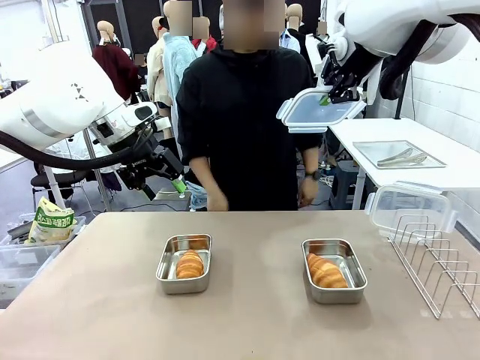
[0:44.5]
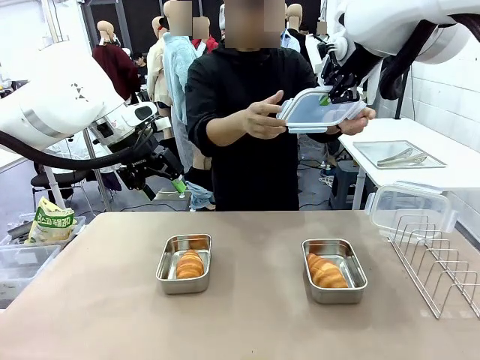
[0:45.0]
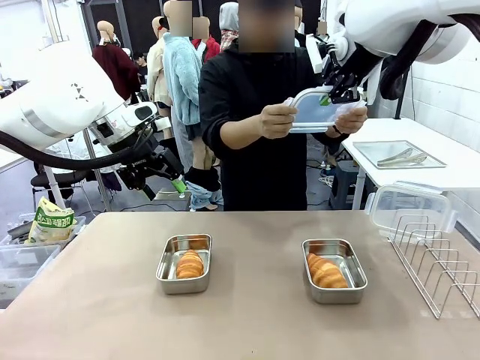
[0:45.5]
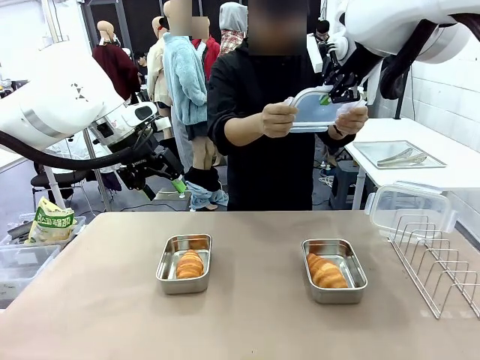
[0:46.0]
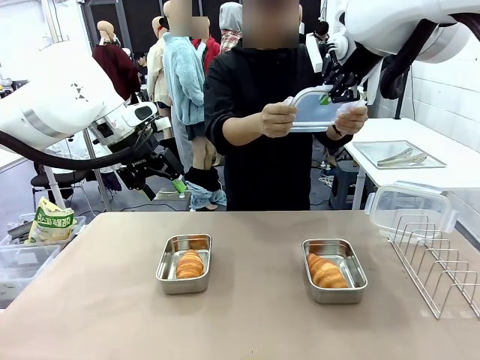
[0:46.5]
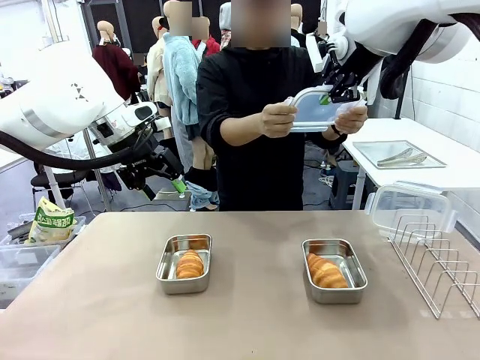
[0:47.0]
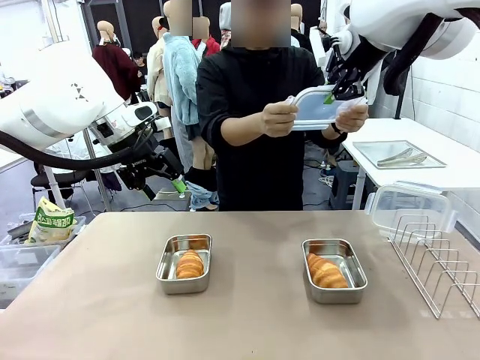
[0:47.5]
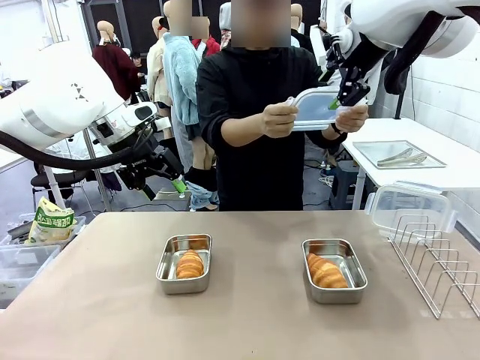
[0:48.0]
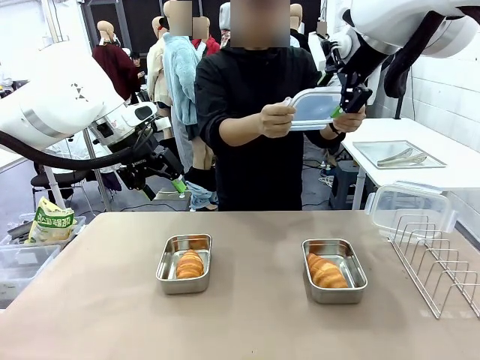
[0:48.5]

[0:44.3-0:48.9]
Task: Place the bread in airtight containers.
Robot: Release when the human grabs the Airtight Container lid.

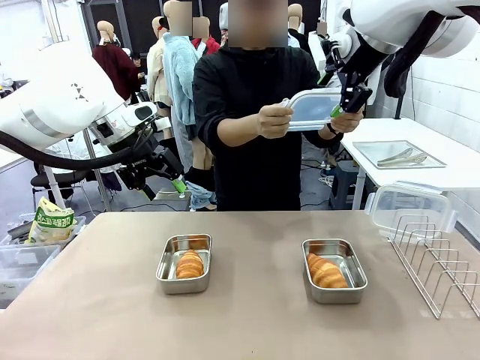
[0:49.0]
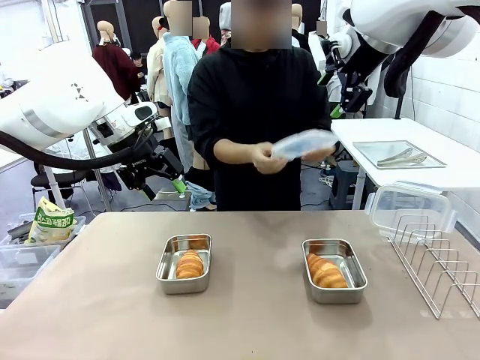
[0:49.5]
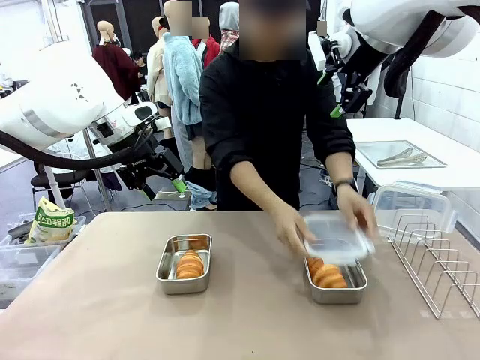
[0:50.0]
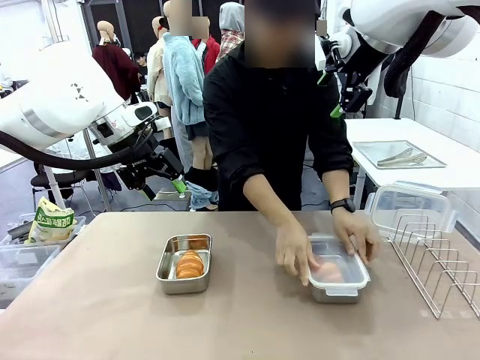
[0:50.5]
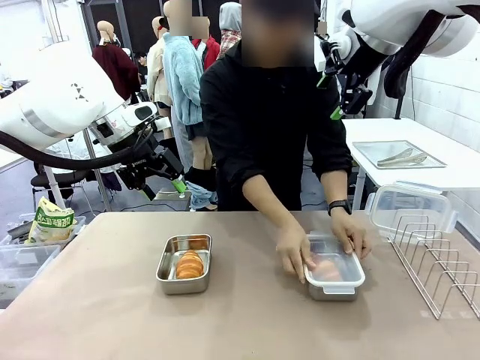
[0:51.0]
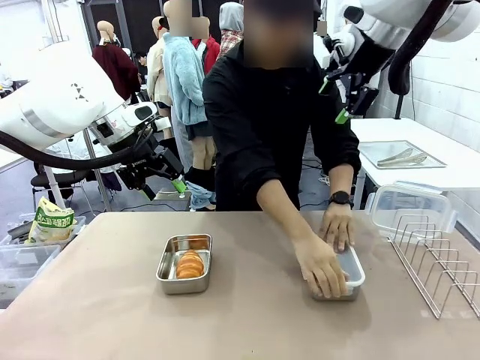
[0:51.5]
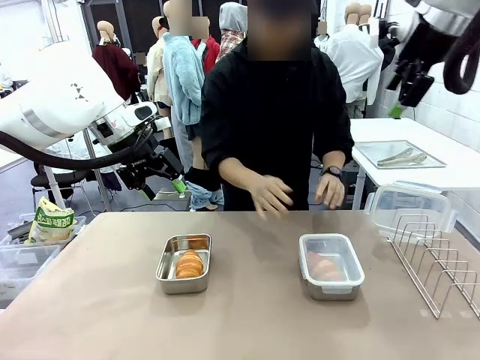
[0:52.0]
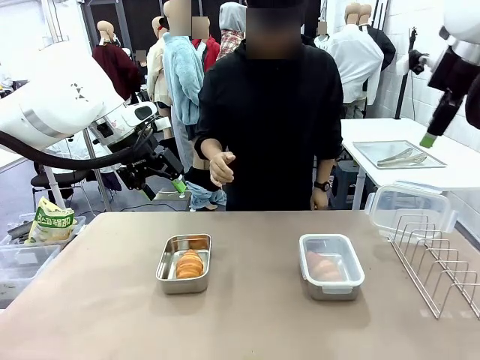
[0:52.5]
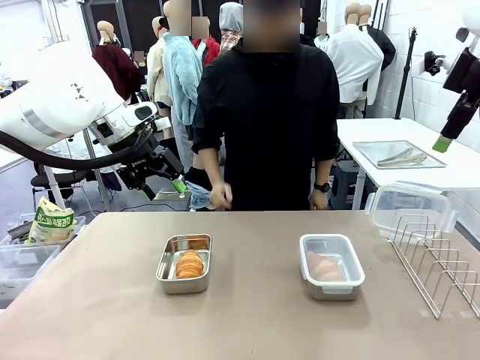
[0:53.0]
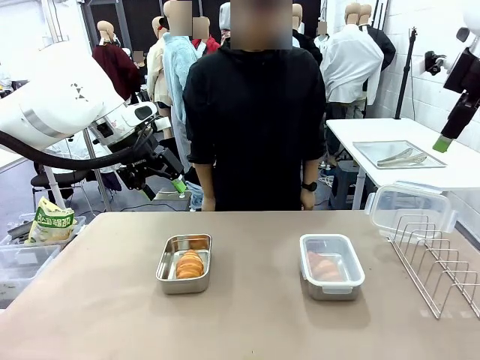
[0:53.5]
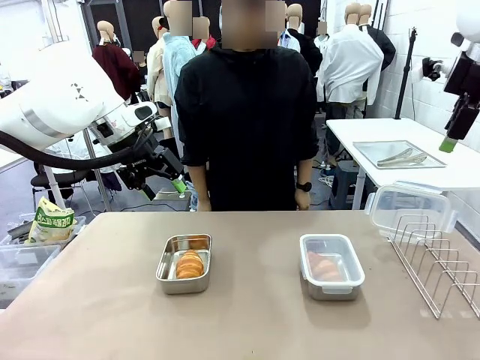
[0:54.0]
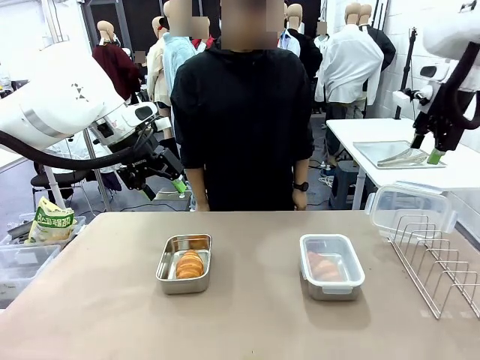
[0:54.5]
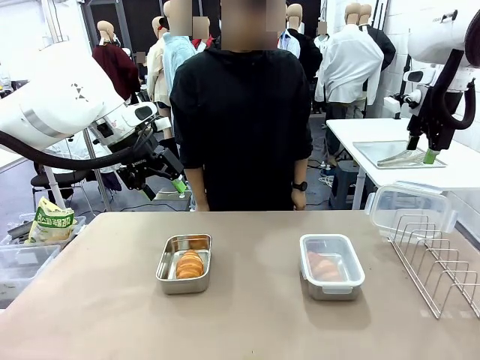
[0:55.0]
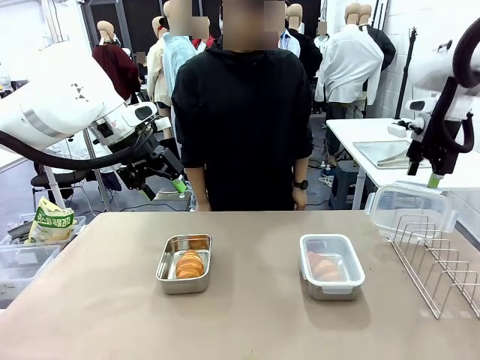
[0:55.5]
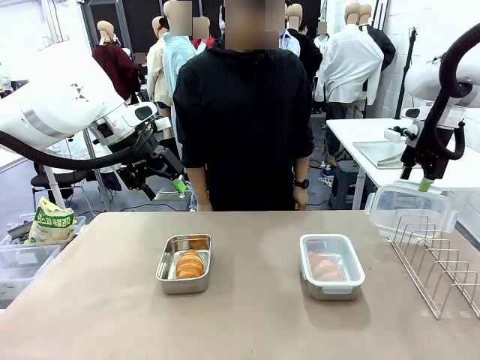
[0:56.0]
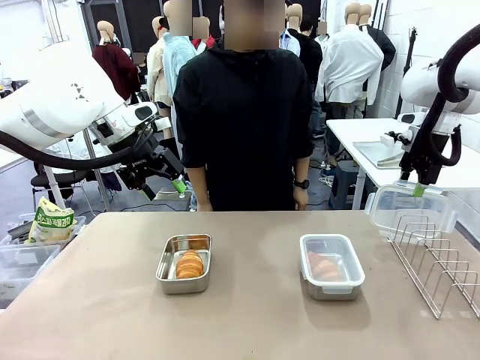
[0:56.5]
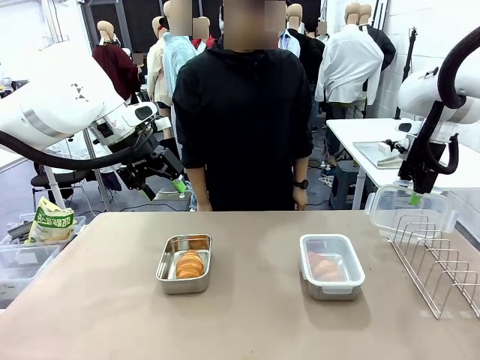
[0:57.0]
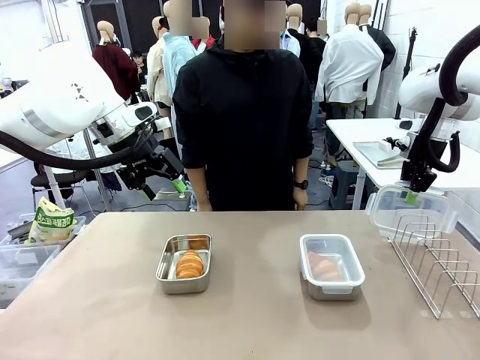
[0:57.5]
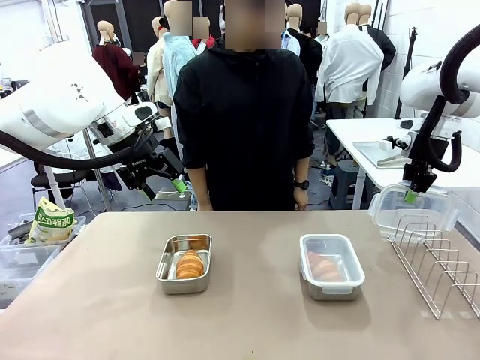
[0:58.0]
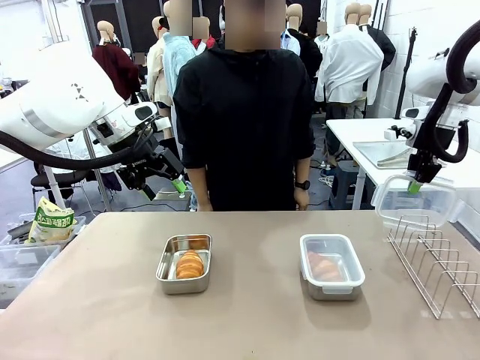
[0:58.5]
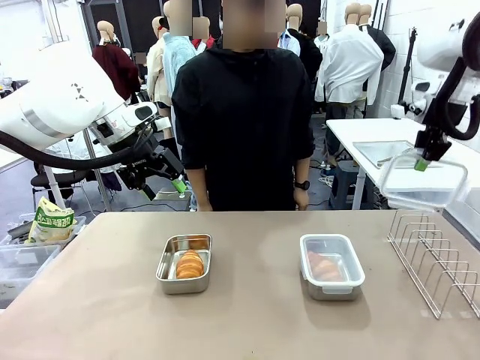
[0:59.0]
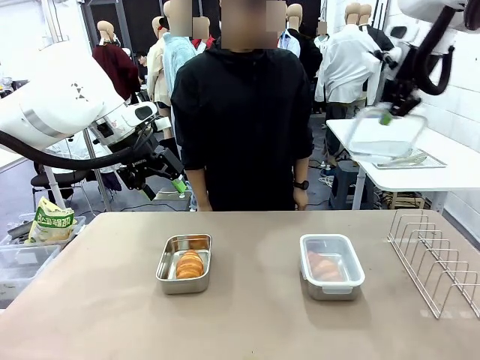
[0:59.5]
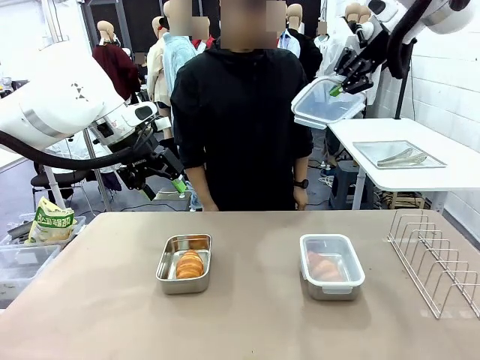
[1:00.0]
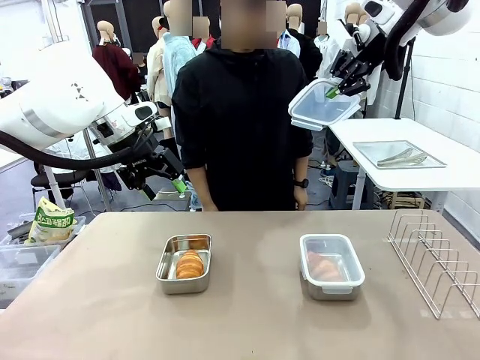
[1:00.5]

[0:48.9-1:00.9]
Robot: Pick up one Airtight Container lid and hand it to the human.
Person: Close Airtight Container with a handed Airtight Container lid. Grip Airtight Container lid that robot is handing.

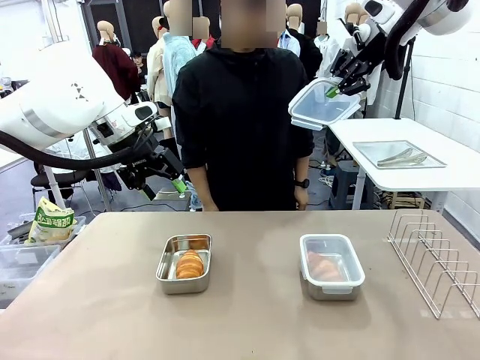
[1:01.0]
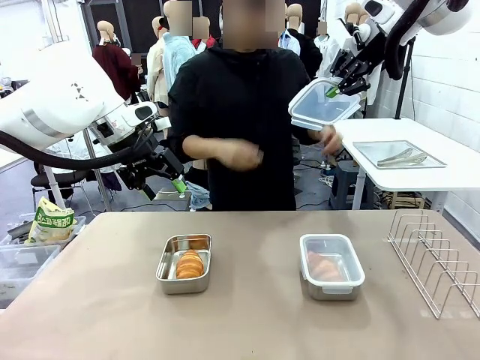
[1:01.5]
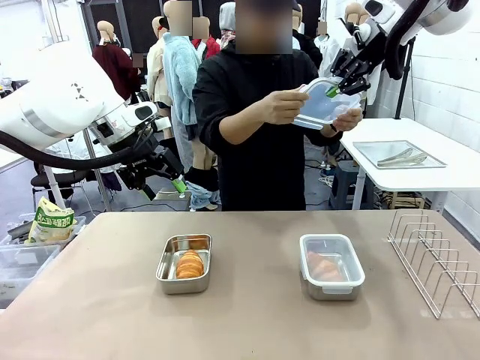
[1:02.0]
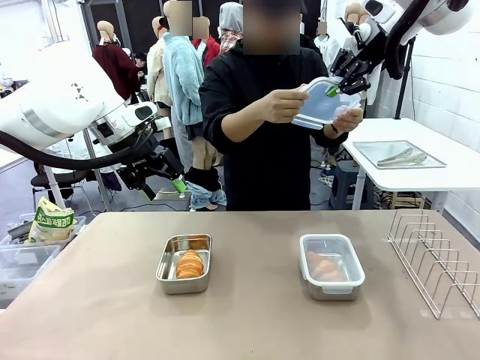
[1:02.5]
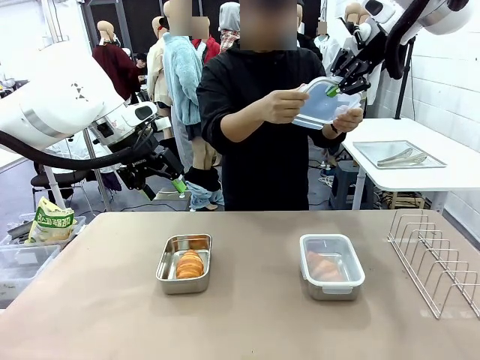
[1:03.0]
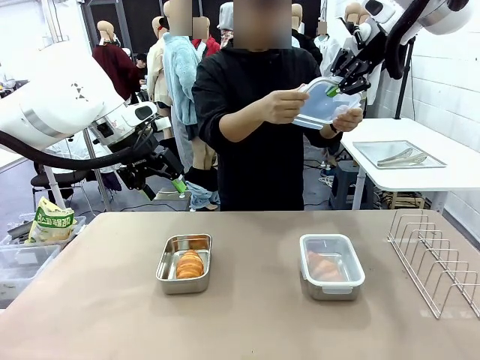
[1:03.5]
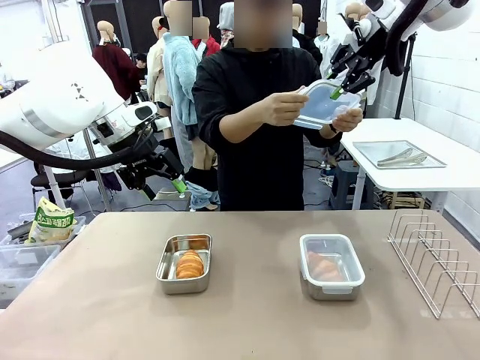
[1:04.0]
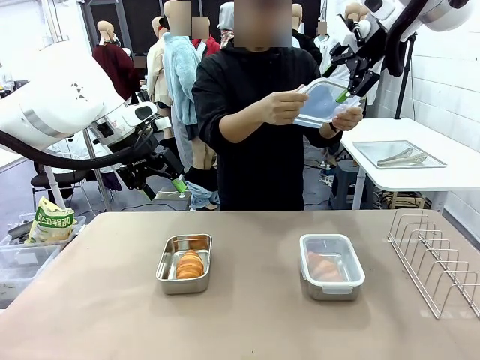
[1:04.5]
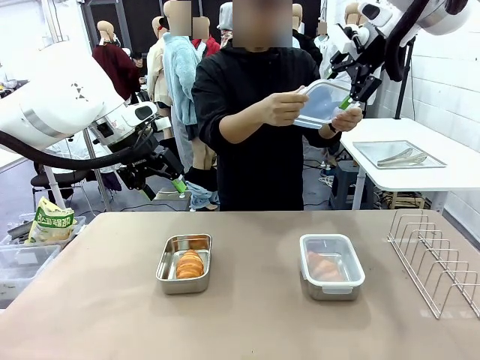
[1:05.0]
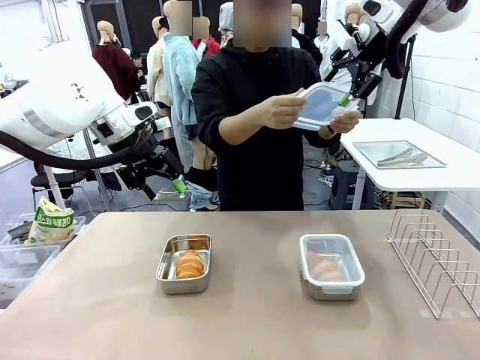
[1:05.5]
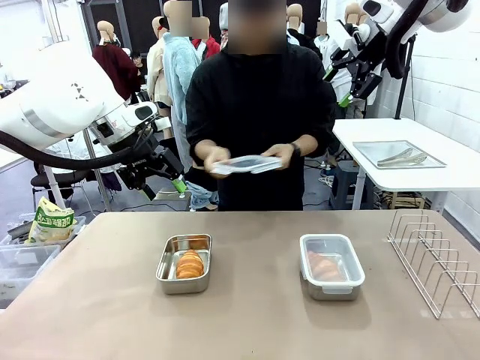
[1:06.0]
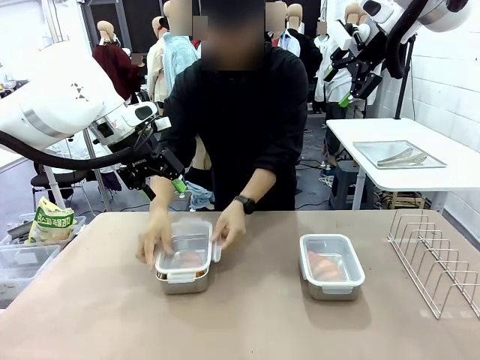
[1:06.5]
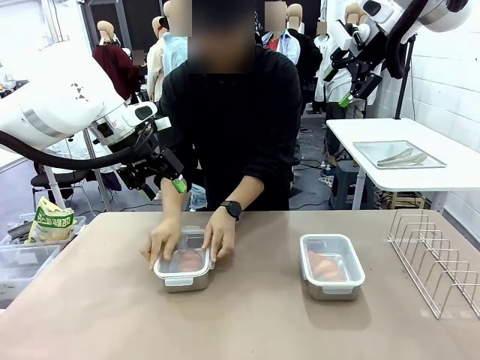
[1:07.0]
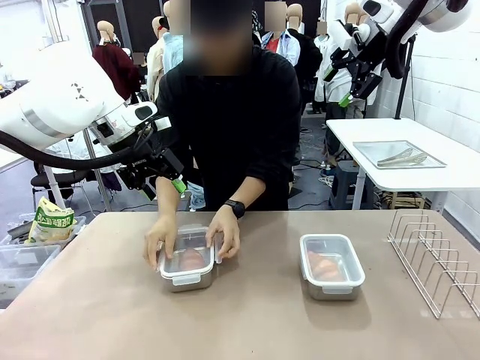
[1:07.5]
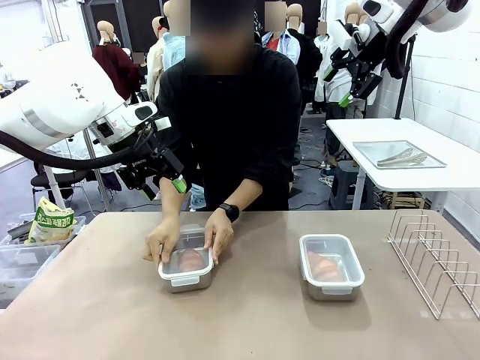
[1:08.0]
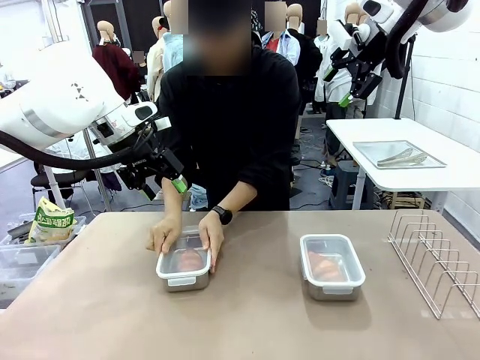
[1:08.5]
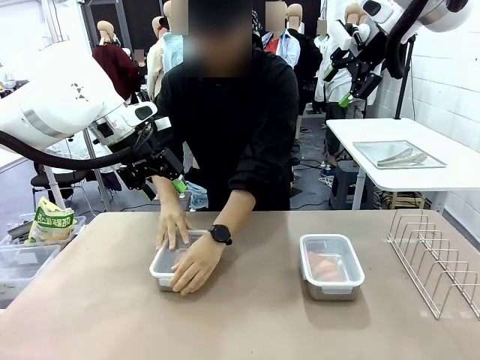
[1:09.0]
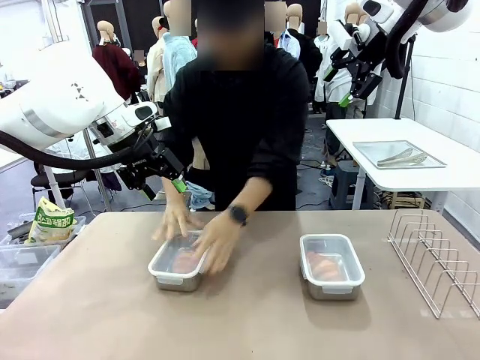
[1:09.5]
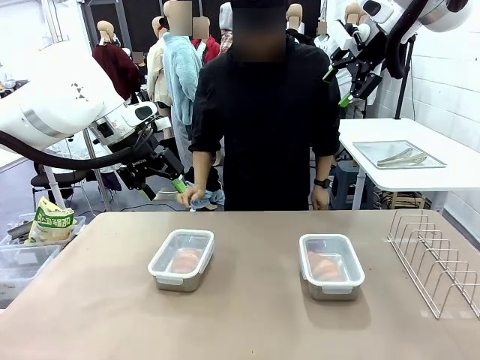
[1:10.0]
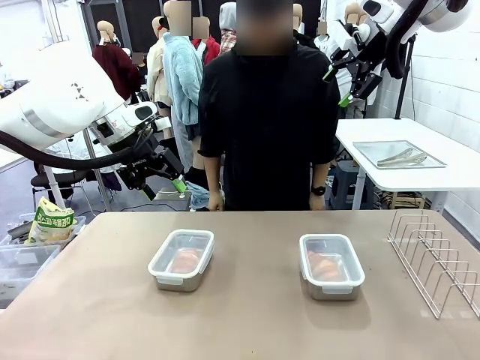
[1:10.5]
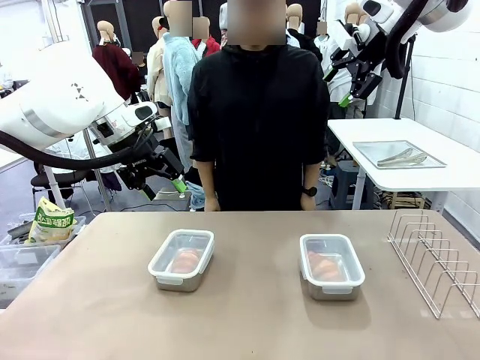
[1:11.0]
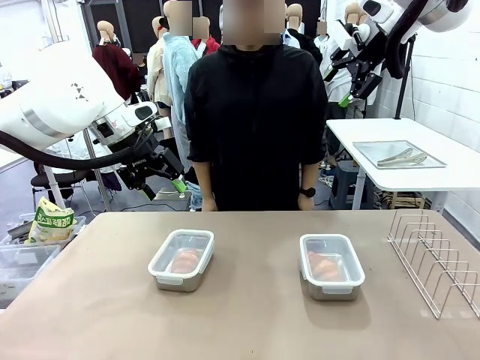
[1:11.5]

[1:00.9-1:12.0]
Robot: Release when the human grabs the Airtight Container lid.
Person: Close Airtight Container with a handed Airtight Container lid.
